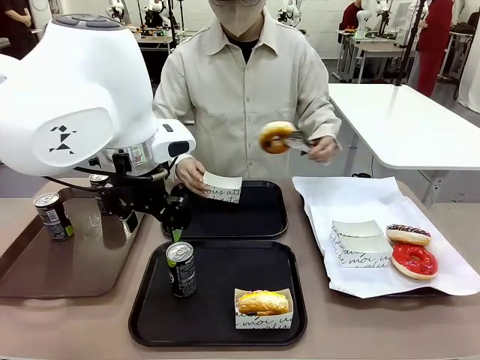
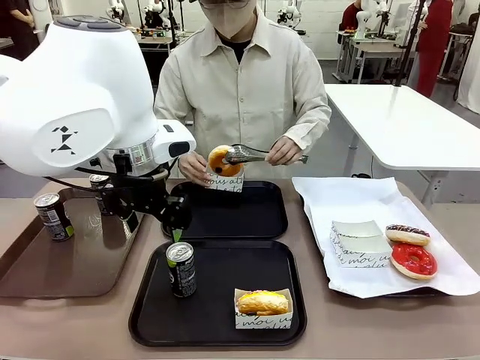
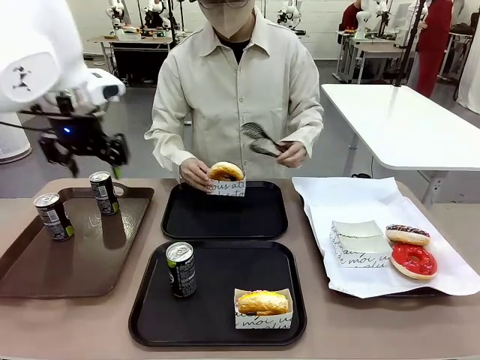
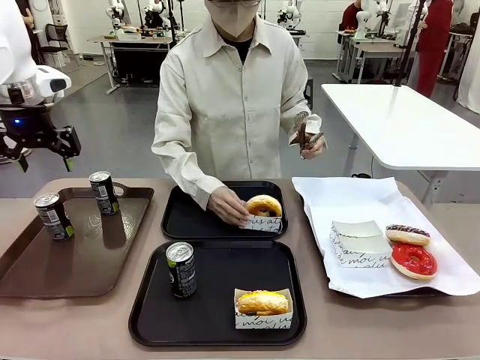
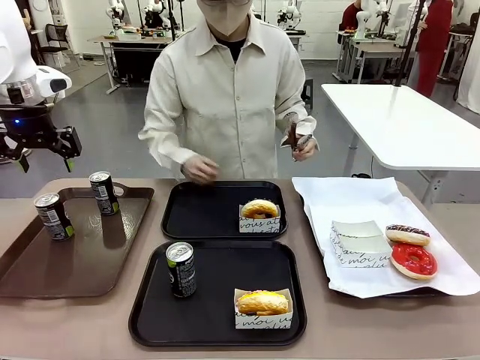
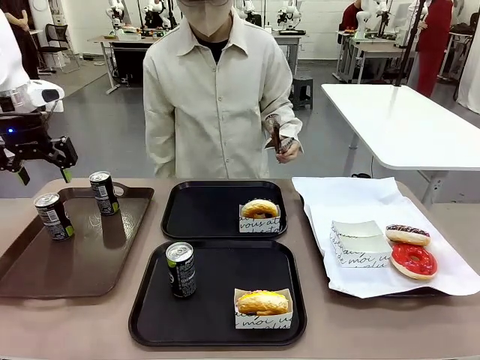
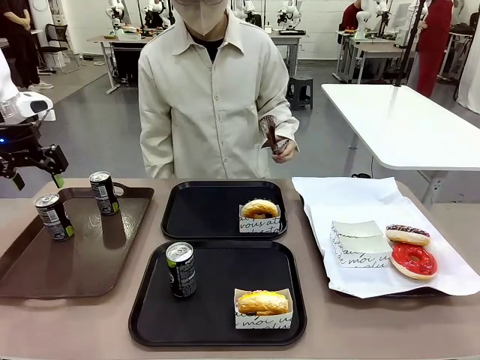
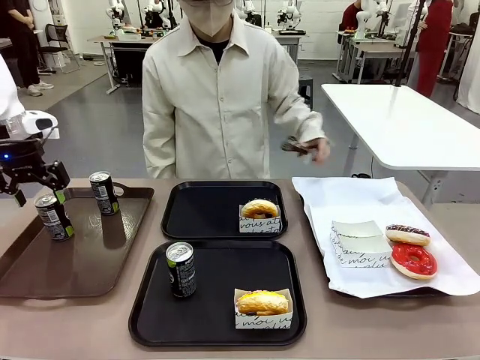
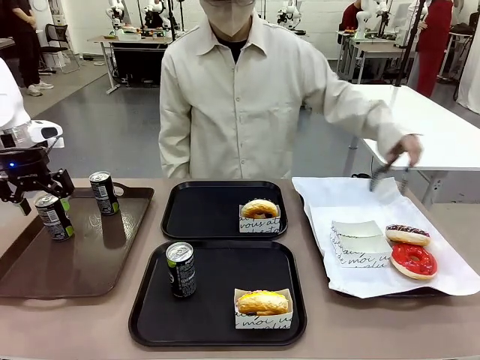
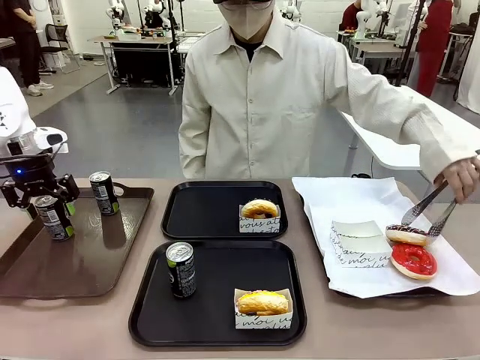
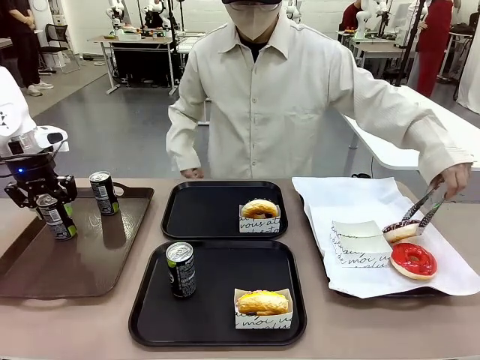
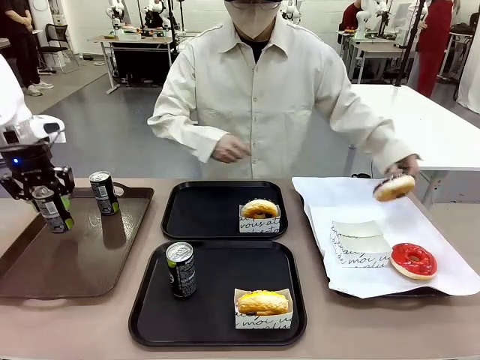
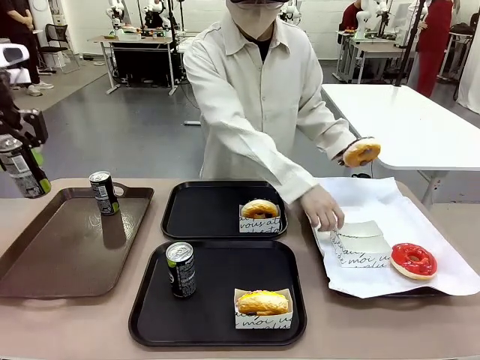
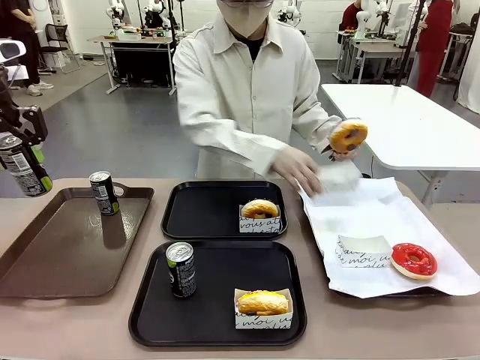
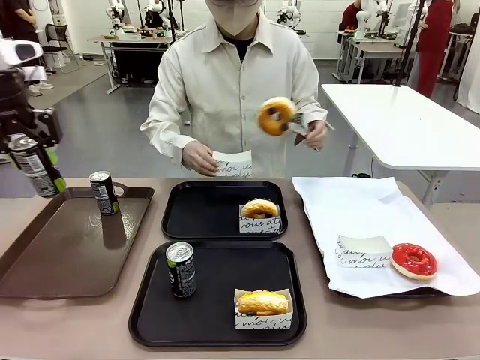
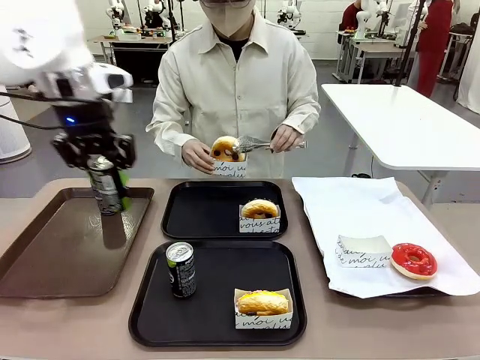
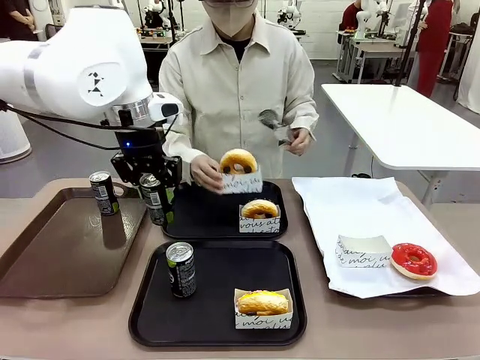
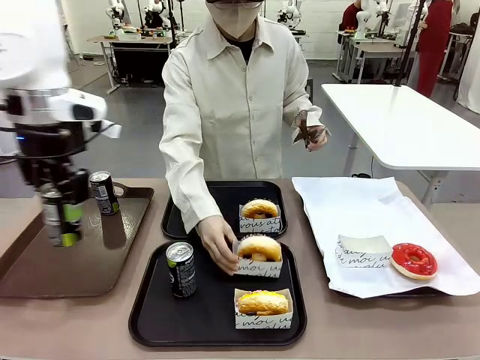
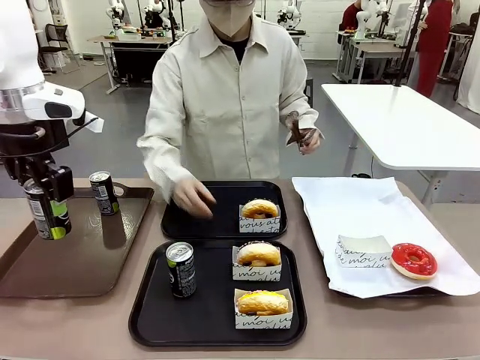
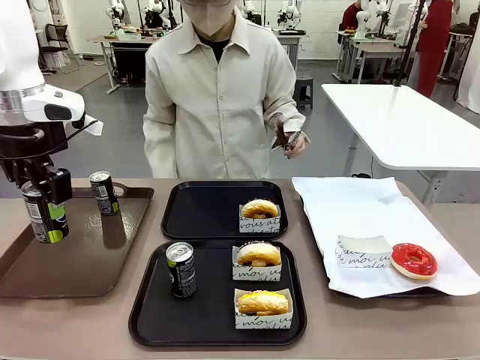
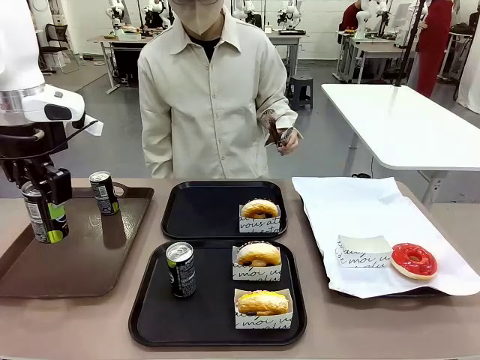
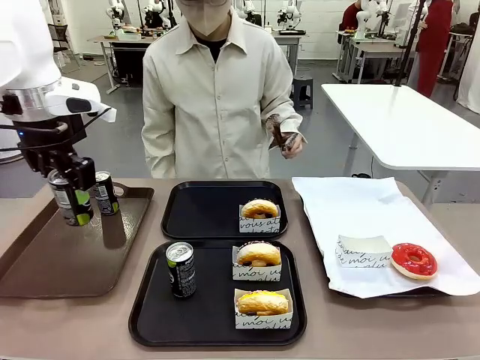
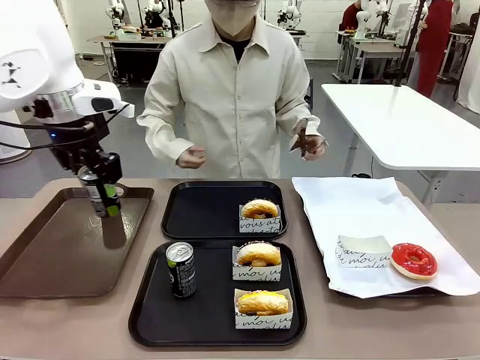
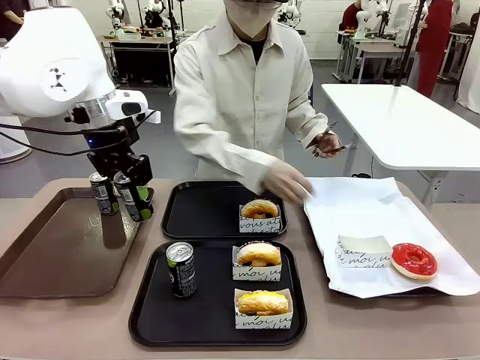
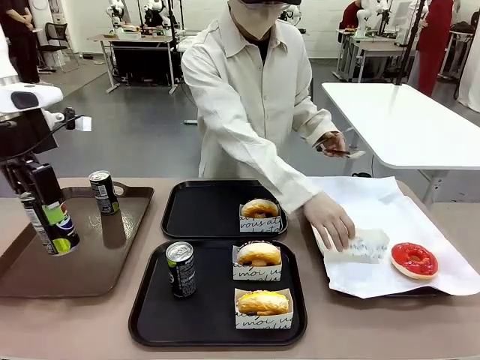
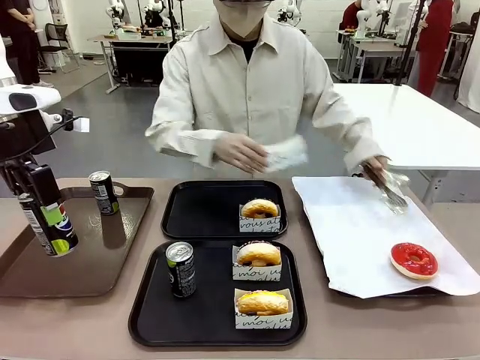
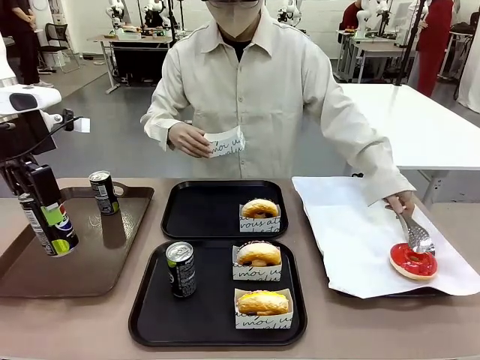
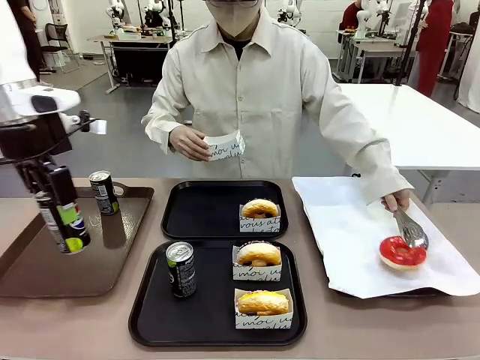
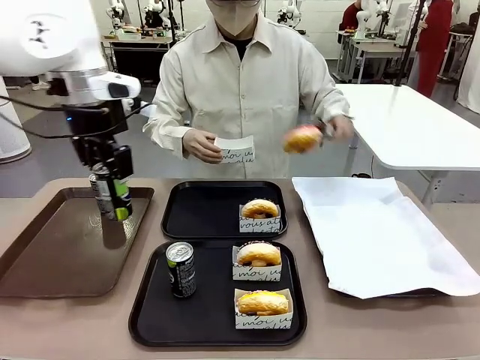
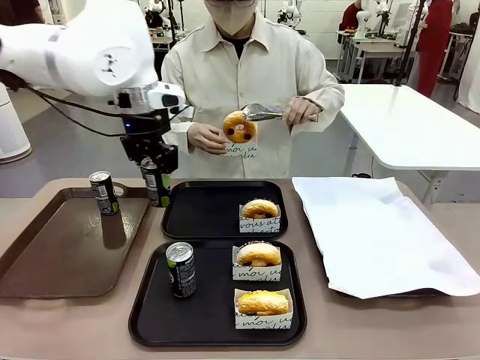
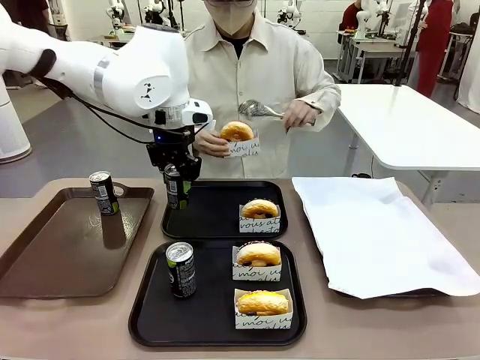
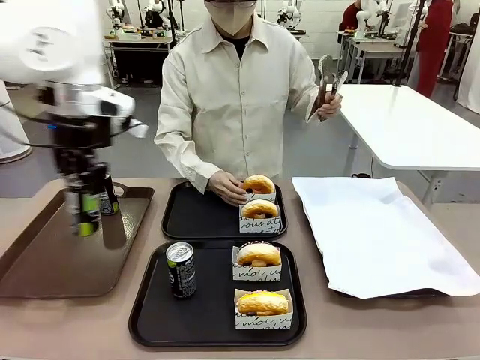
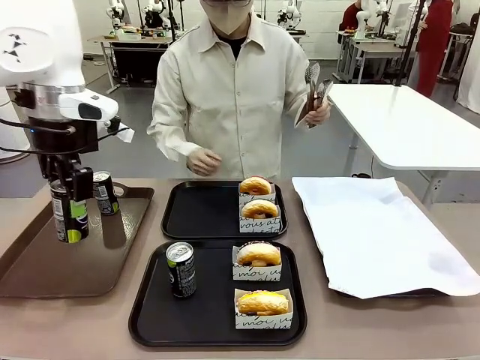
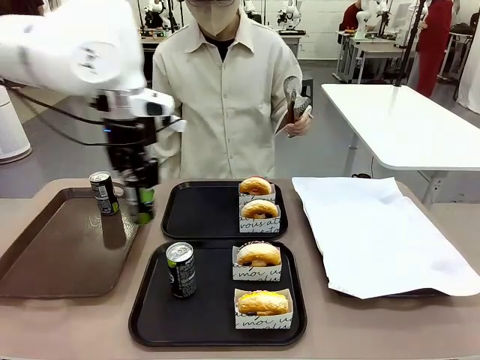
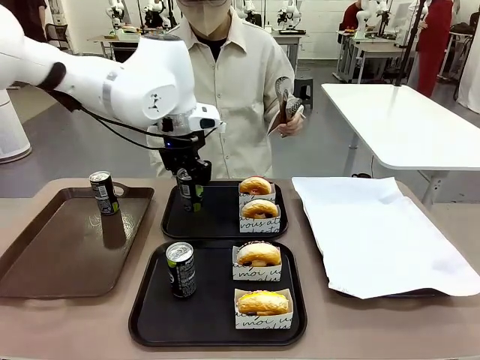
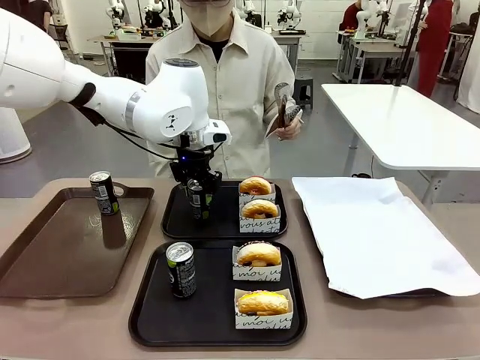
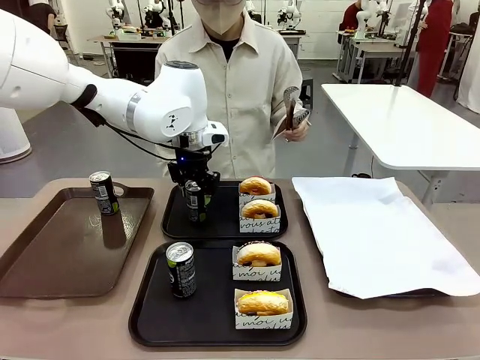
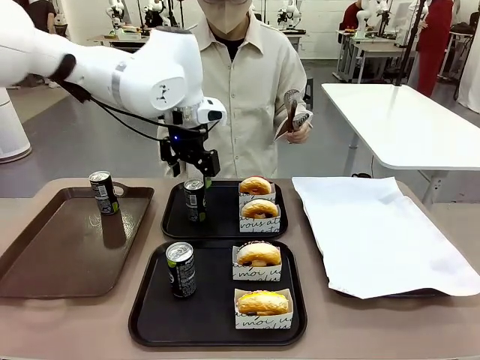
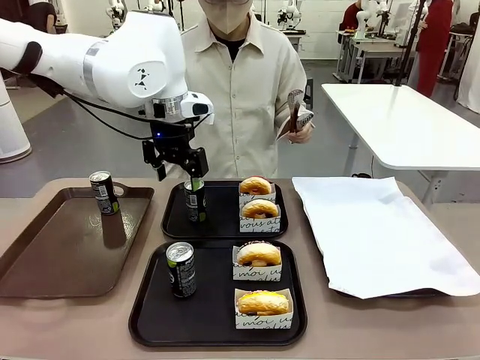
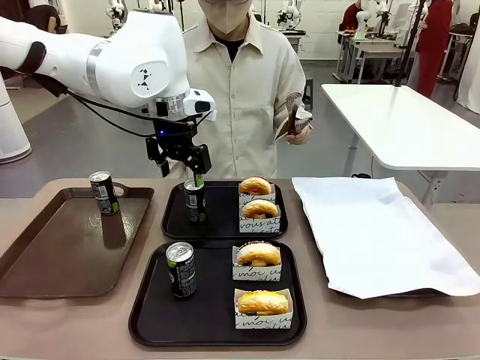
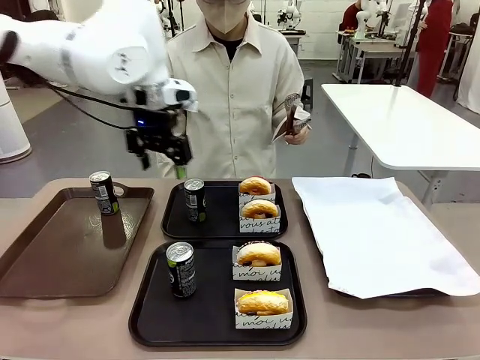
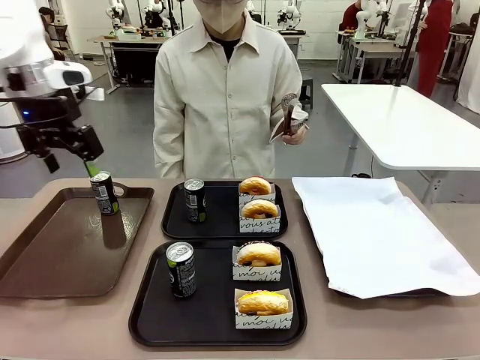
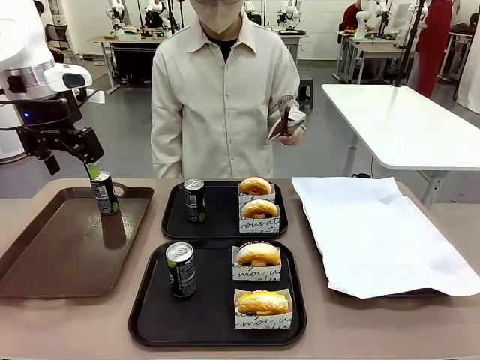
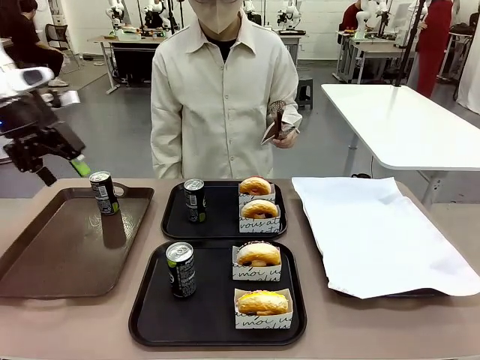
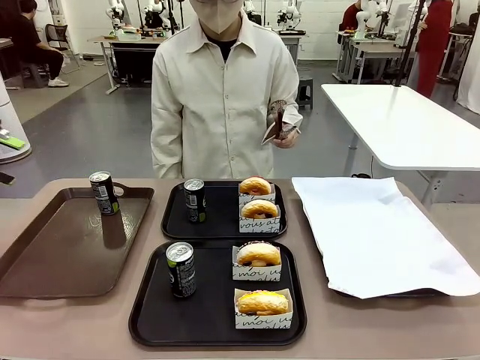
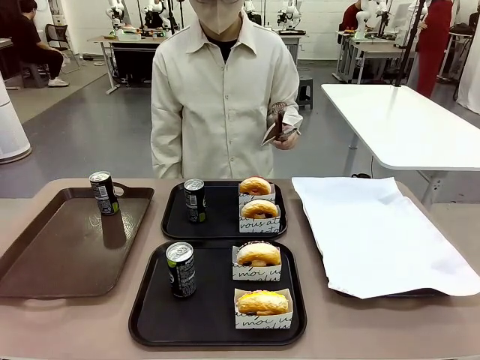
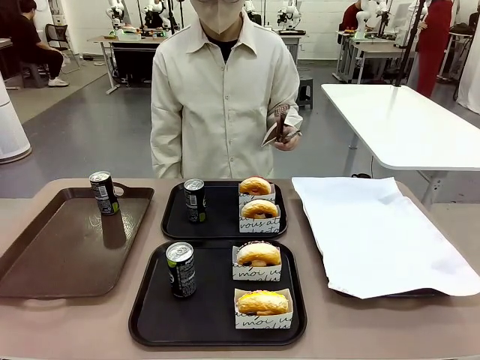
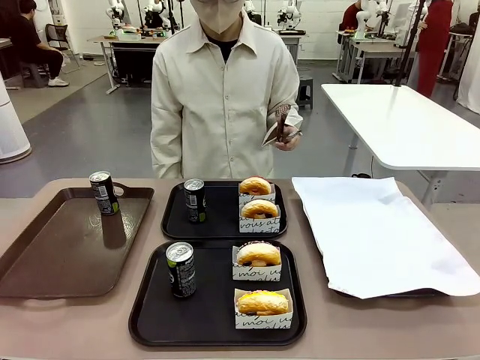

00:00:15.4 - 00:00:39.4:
Task: Set up donuts and drinks on trays.
Robot: Pick up one Pepsi coke from the Handle tray and place it on the Flat Tray without a Pepsi coke.
Person: Pick up one donut with tongs, place it in the donut tray, and then place the donut tray on the flat tray.
